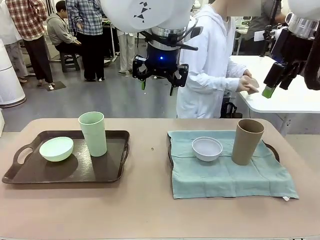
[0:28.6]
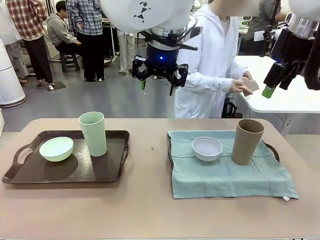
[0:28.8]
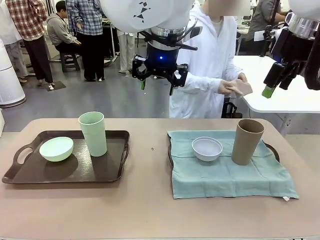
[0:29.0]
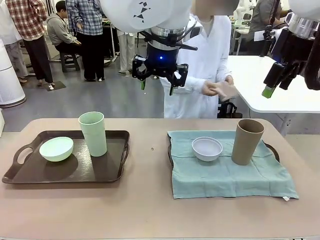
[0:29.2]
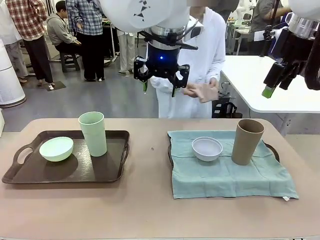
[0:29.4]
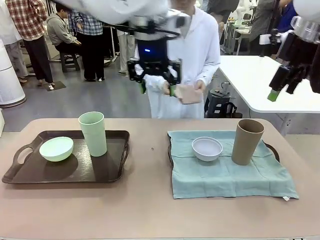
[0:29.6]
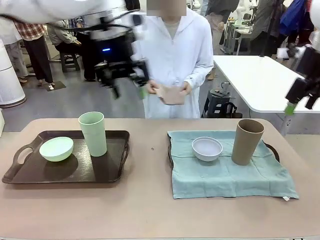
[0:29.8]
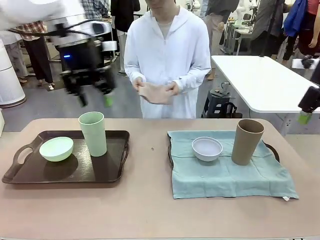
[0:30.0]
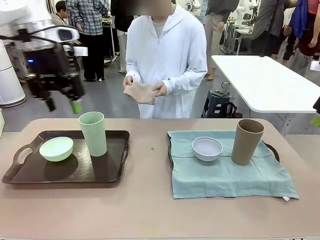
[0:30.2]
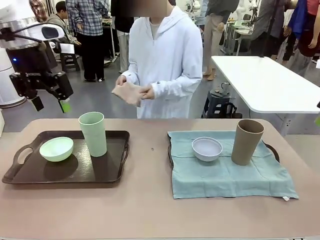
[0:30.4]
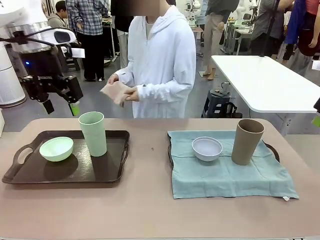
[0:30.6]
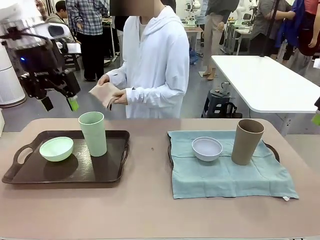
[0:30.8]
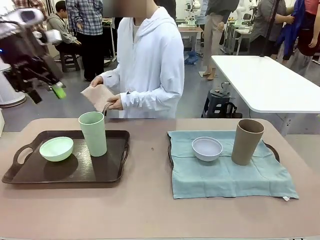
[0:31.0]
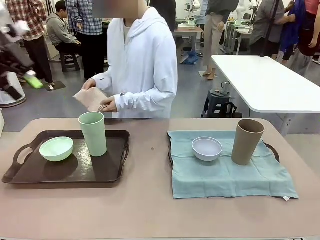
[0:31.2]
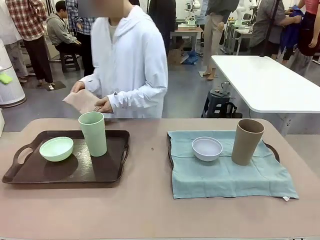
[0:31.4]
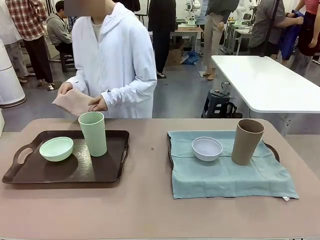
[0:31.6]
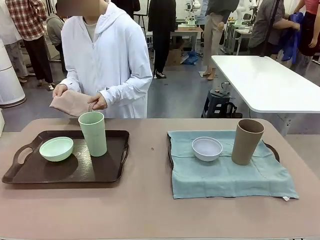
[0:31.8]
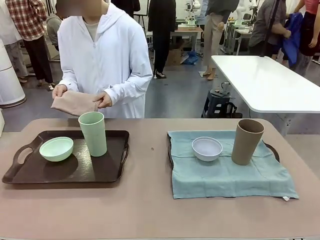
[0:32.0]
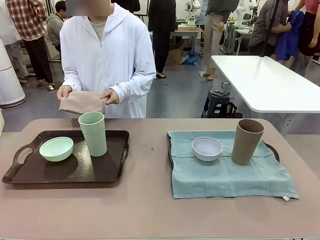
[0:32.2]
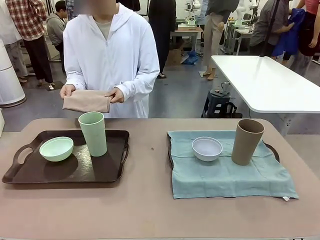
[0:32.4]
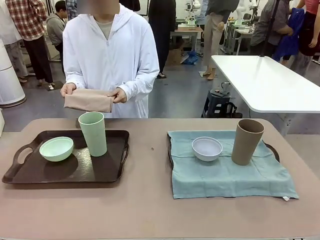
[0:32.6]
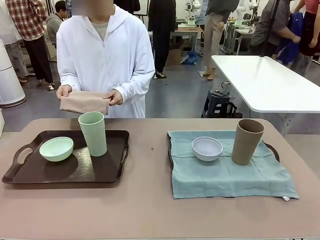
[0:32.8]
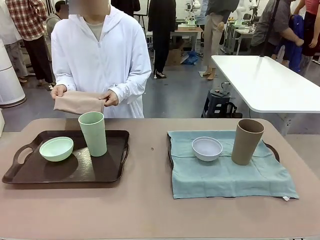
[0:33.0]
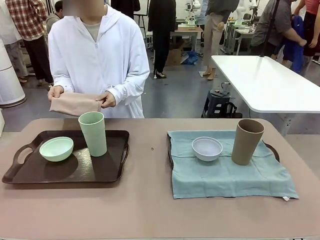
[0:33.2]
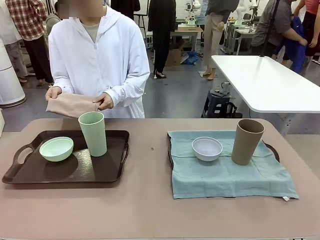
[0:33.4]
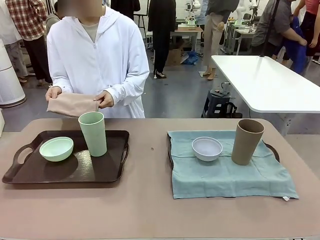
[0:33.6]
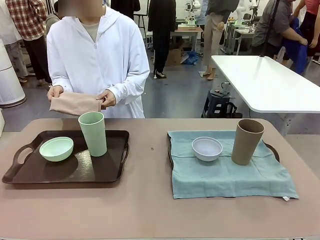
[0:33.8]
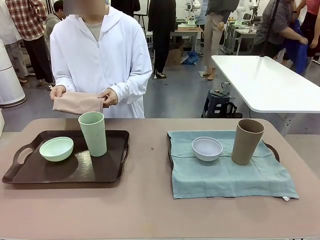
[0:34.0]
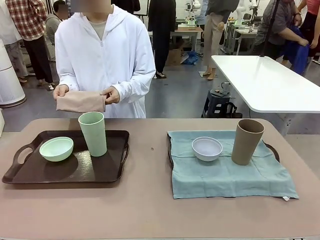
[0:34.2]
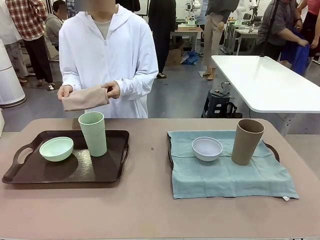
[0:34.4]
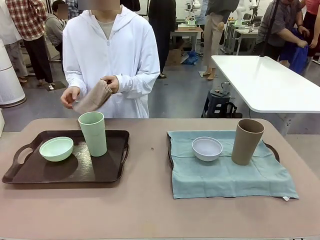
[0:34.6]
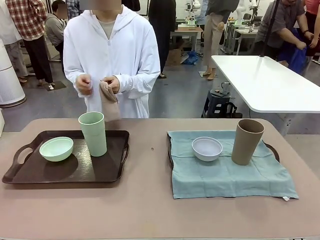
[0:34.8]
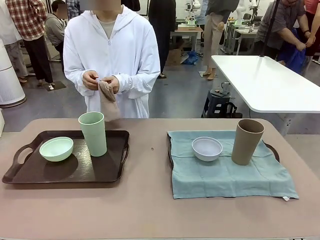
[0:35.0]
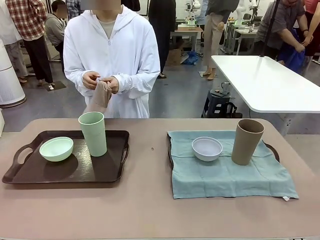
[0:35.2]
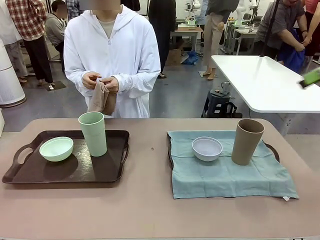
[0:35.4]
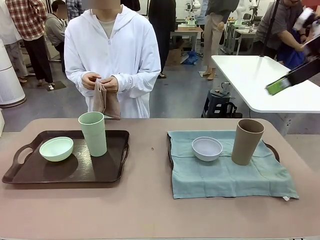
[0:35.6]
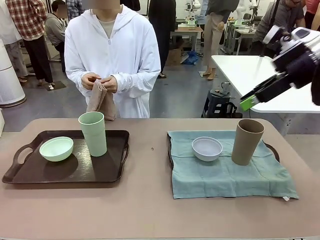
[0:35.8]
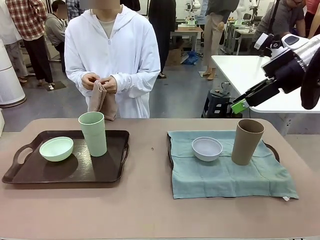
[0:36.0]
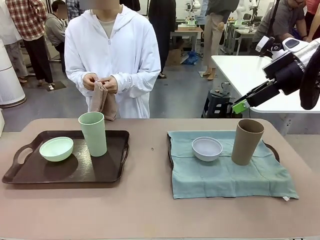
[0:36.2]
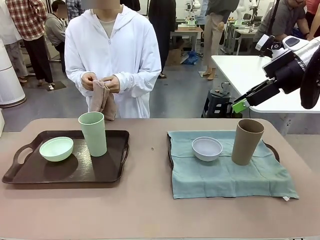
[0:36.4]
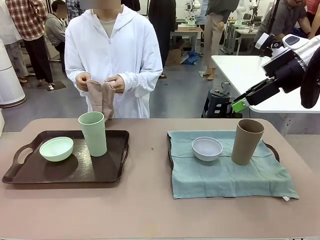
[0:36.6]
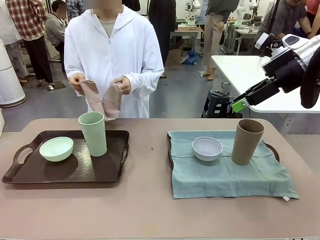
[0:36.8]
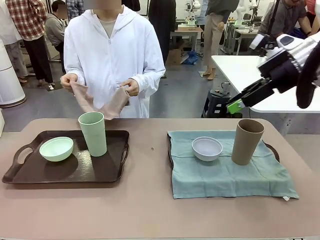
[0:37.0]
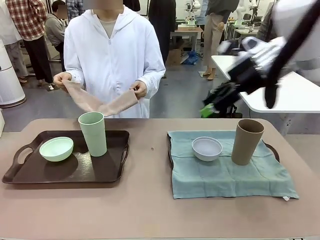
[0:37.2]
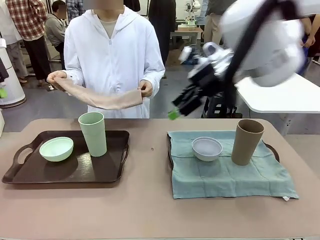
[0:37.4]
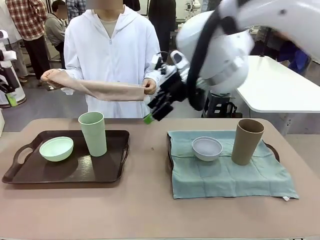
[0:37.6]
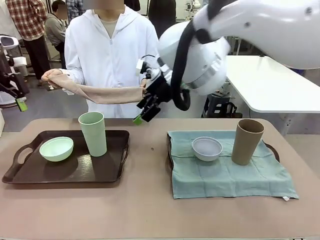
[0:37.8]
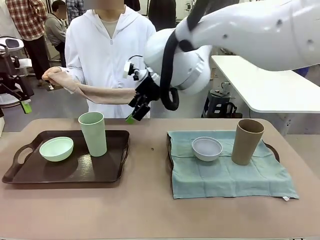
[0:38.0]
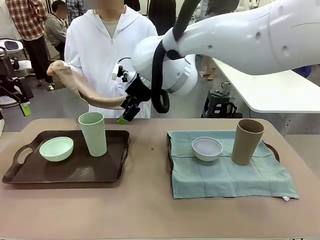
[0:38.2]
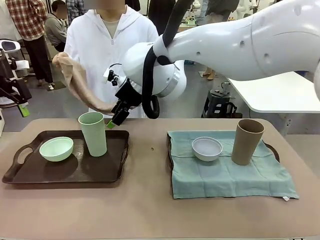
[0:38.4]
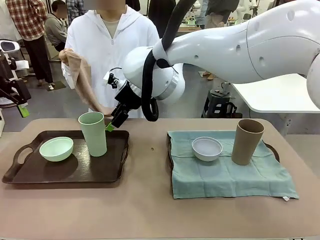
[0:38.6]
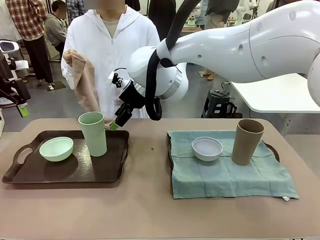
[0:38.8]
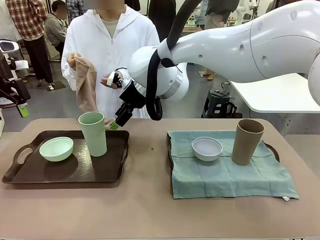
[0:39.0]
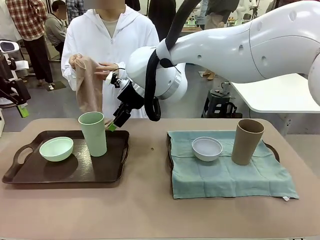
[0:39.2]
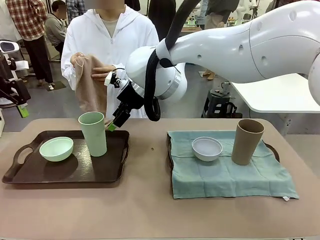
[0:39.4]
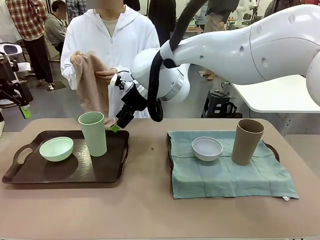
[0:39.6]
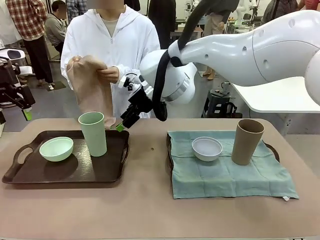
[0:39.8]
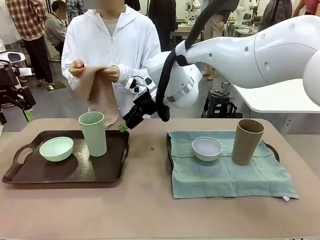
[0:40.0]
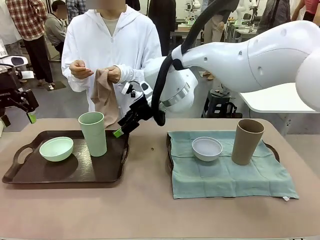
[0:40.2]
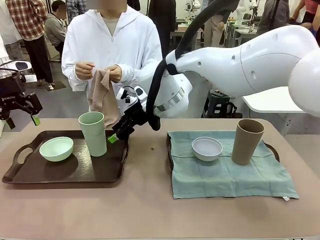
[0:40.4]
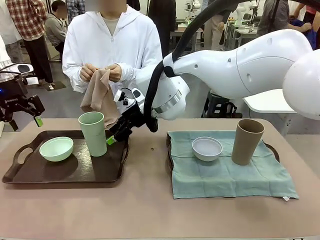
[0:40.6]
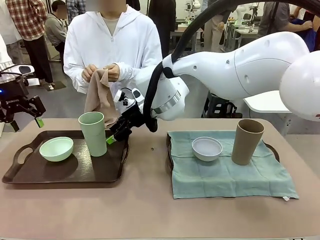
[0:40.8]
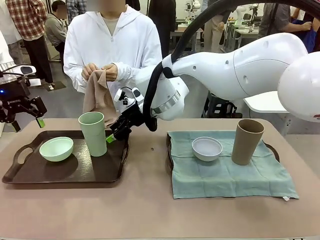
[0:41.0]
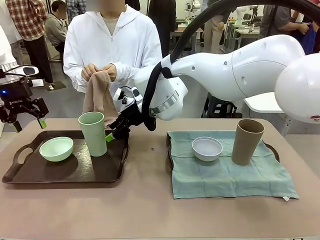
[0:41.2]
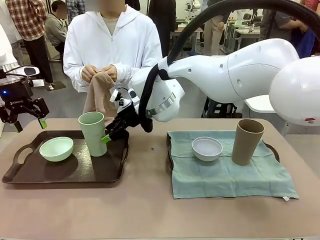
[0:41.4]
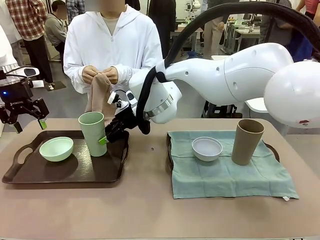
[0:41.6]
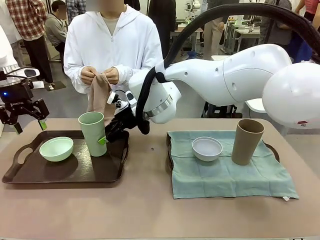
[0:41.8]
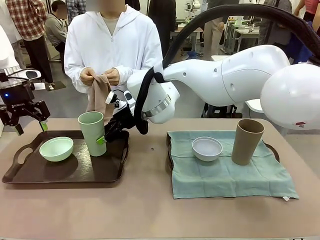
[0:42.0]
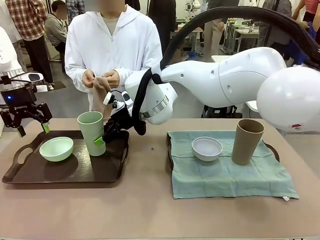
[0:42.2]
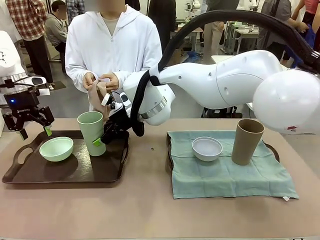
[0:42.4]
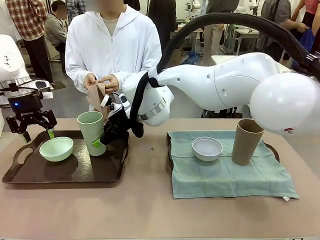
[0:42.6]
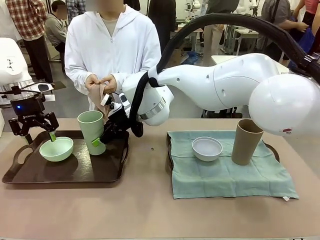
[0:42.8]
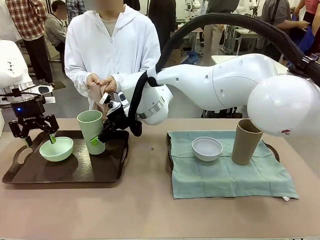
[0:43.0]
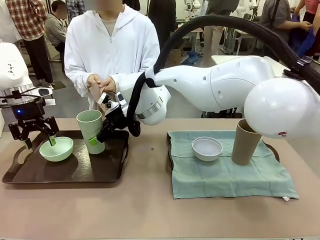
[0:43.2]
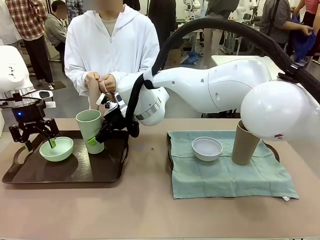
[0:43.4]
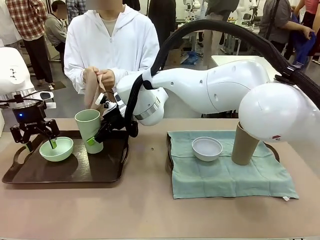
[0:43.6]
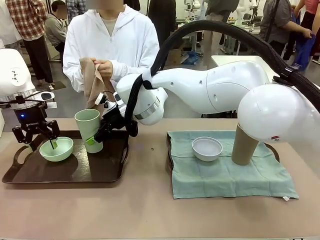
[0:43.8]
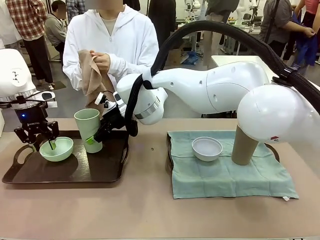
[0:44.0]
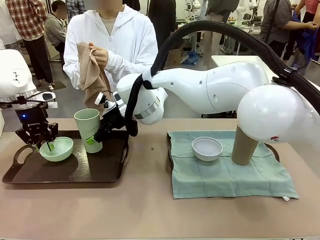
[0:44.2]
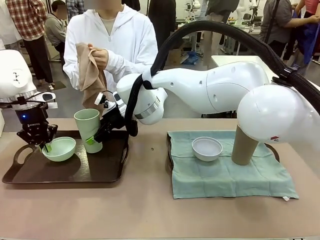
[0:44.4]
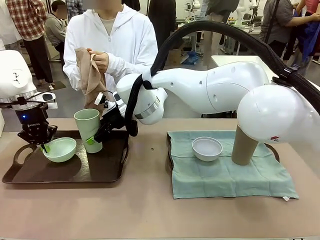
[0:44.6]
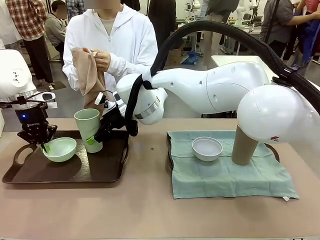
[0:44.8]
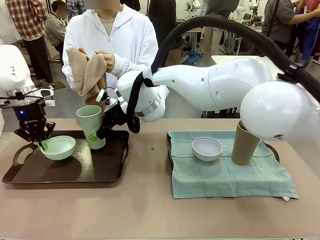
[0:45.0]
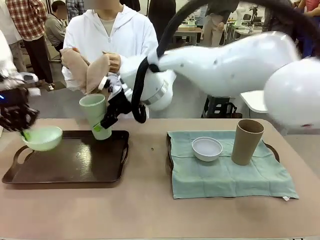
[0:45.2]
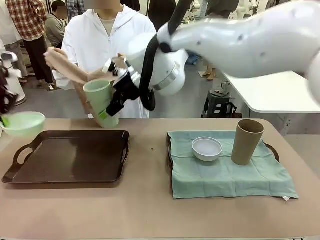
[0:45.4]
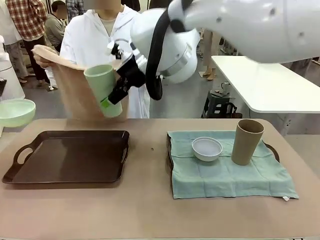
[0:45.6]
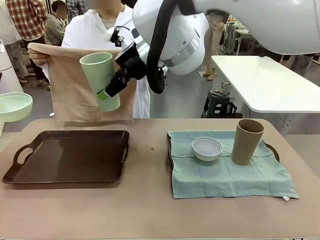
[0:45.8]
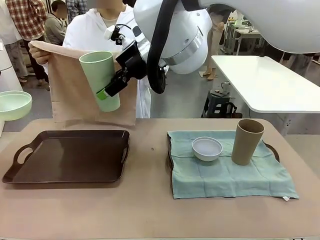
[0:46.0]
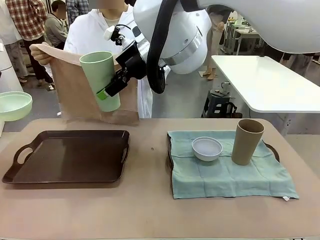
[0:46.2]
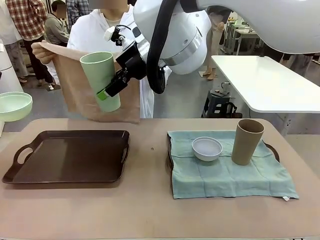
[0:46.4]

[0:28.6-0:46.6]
Robot: Pick up the Picnic Bowl and Reusable plastic cup from the Handle tray in front of the human's position and hold them in the air.
